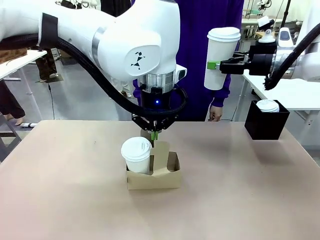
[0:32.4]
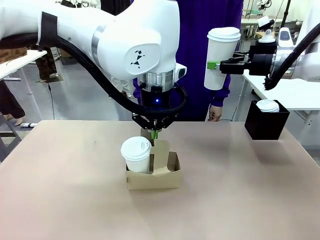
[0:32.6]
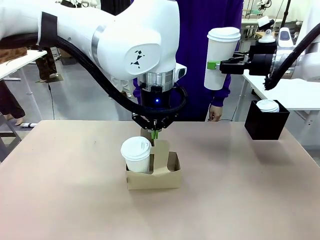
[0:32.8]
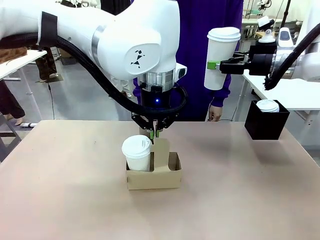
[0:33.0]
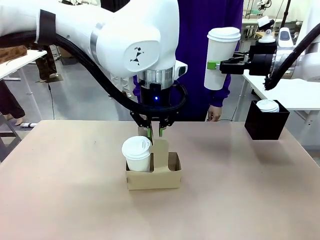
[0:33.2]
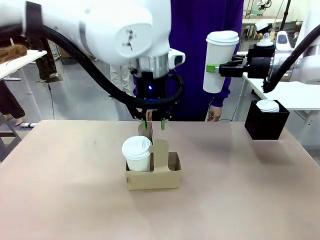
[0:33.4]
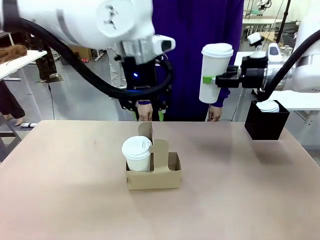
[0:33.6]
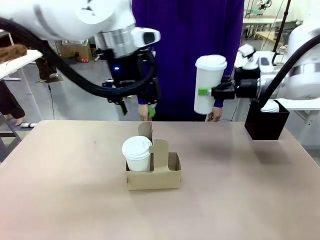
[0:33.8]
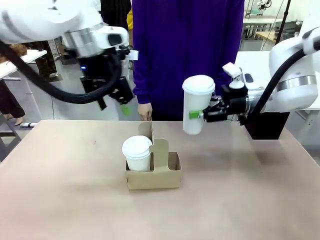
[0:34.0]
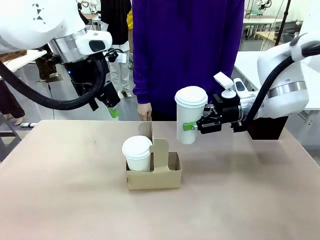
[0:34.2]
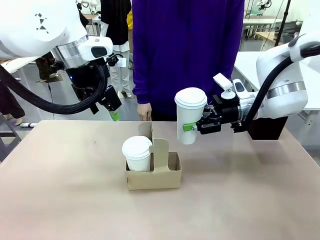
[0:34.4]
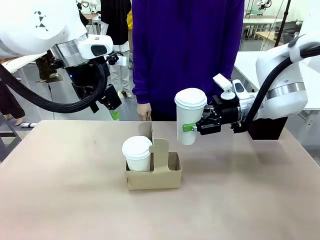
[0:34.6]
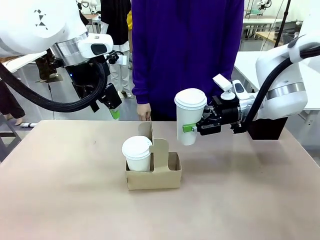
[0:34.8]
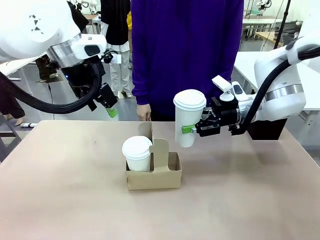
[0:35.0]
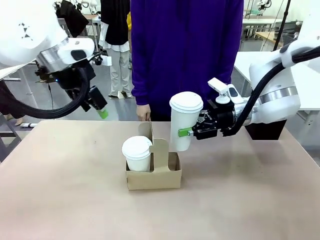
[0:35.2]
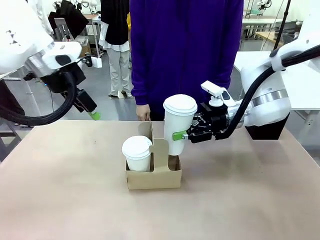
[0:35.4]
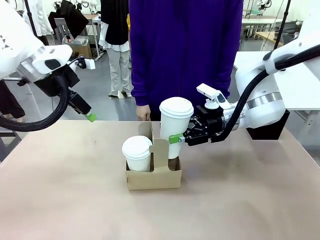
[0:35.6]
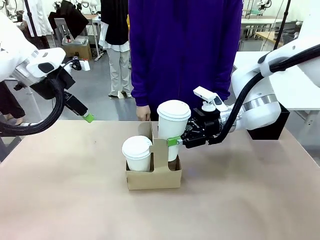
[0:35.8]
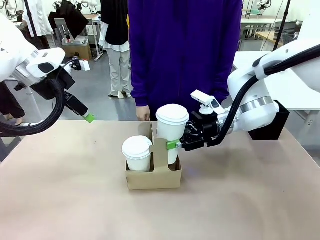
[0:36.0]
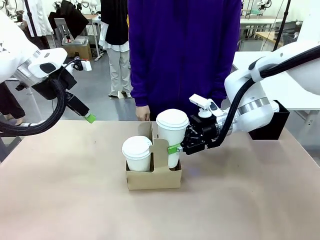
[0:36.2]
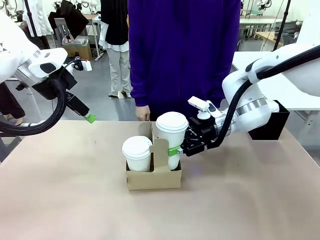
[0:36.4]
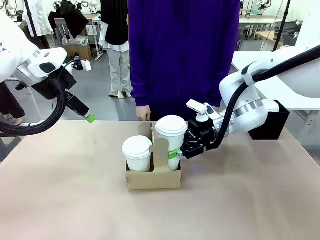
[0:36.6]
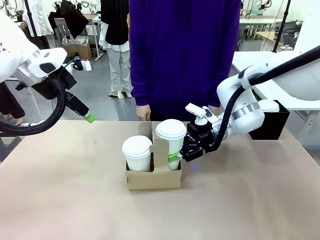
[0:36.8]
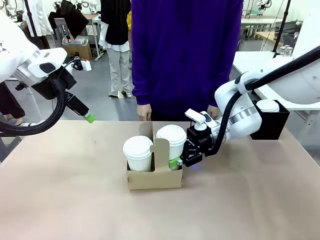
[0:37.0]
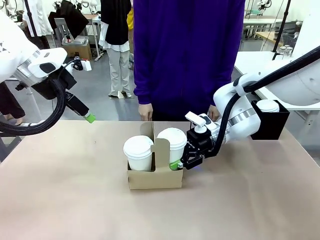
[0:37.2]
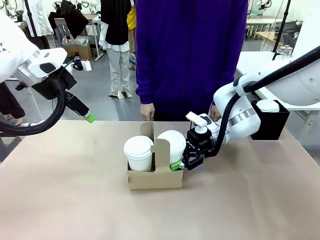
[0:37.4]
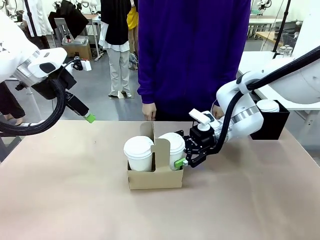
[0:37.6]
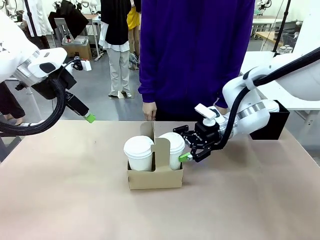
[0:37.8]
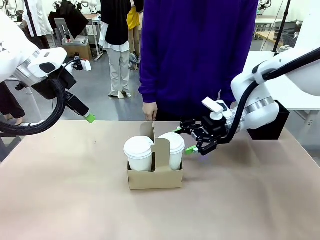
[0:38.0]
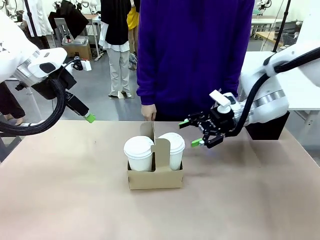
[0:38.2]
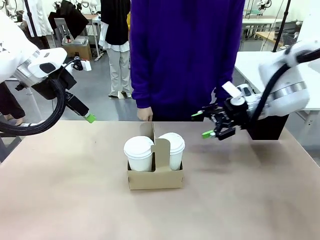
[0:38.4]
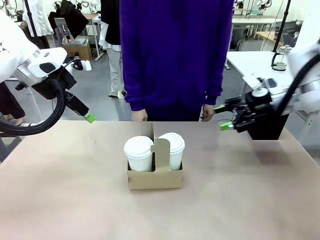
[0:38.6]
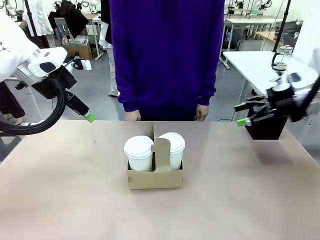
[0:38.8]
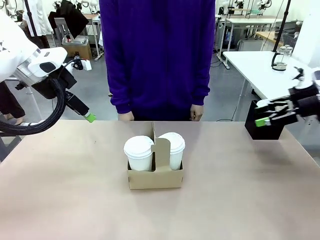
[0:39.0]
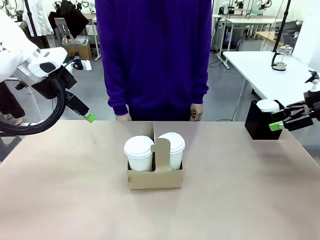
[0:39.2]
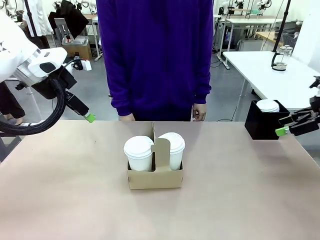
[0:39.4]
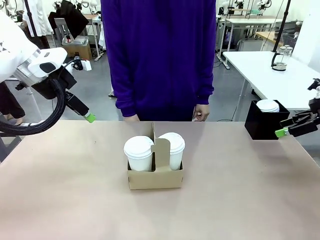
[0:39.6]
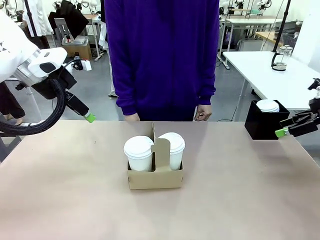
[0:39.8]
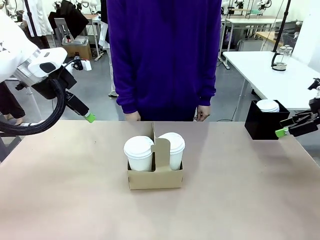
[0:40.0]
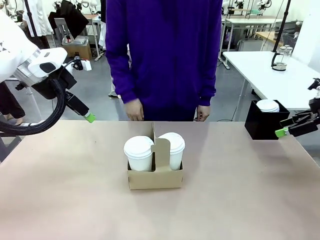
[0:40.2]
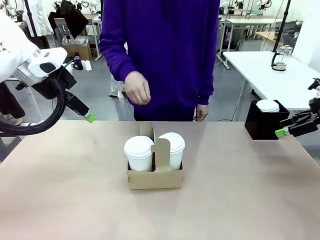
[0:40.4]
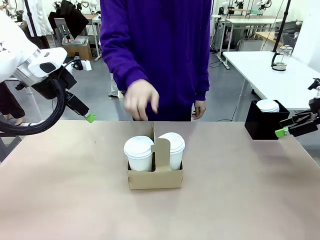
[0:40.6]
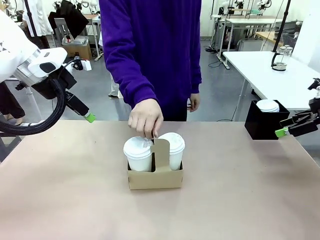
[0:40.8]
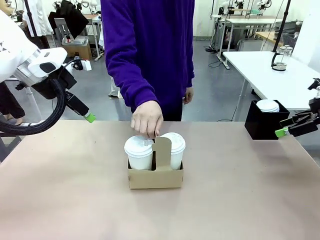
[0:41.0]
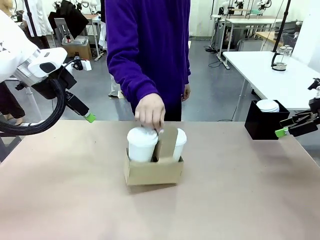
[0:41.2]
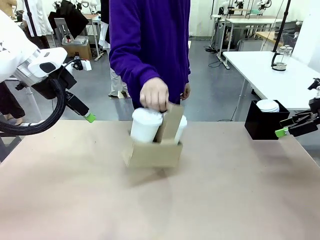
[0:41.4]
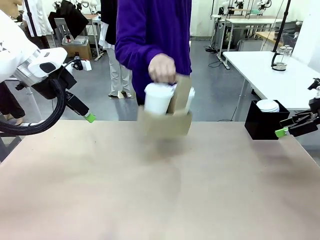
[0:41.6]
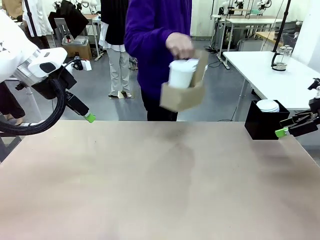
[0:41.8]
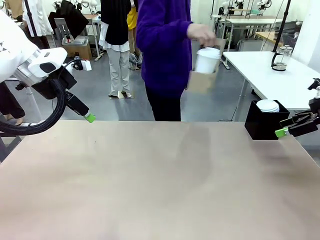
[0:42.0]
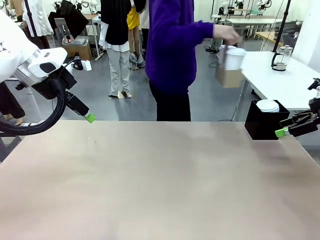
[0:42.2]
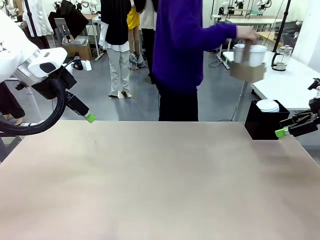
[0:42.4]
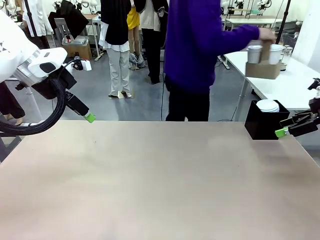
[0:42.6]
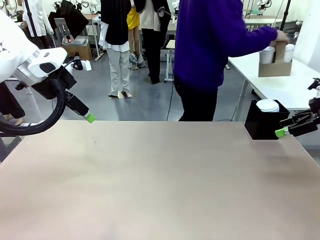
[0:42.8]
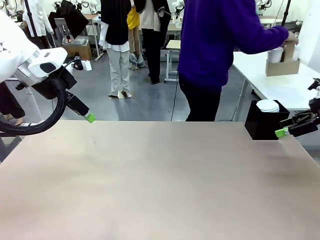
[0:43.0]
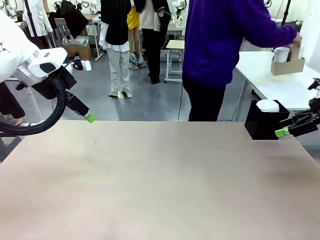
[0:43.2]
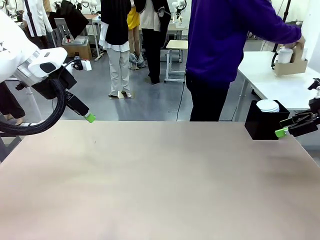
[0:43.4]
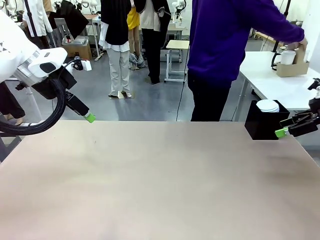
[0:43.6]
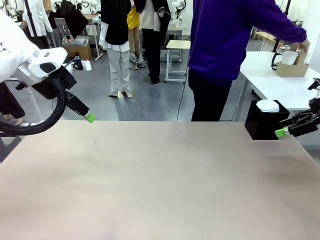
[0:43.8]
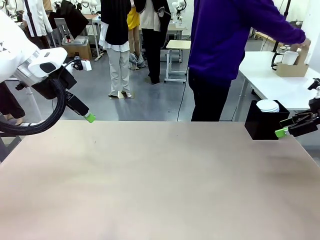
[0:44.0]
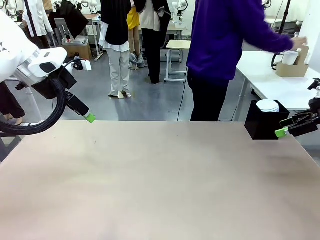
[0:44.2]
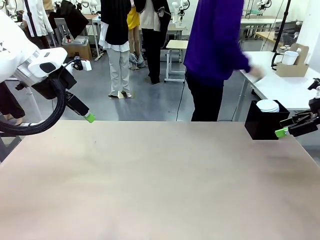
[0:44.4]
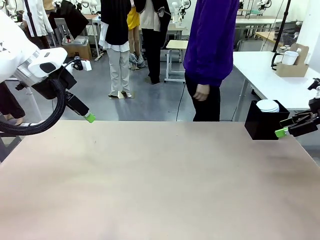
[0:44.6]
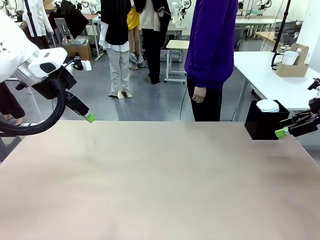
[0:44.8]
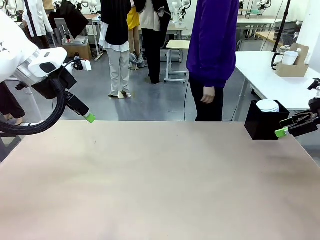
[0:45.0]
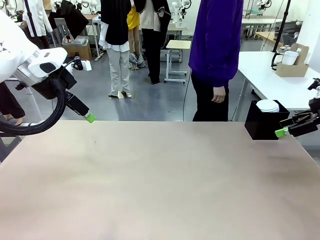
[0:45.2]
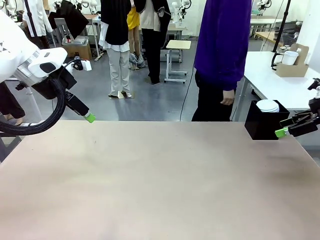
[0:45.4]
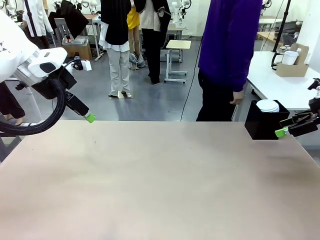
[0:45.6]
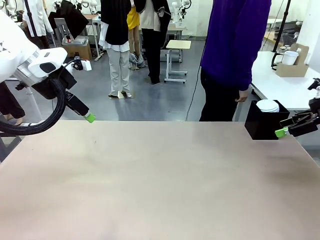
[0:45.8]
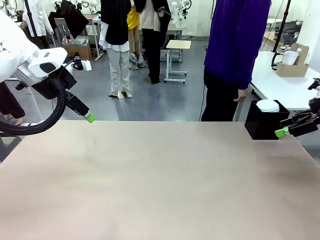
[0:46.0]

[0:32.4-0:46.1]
Task: Pour a drink into a cup and package it in a carrier.
Robot: Insert the held 600 ml Paper Cup into the Cup Carrier.
Person: Place the Cup Carrier to the middle of Human table.
